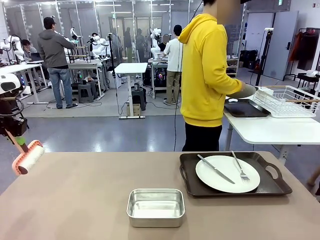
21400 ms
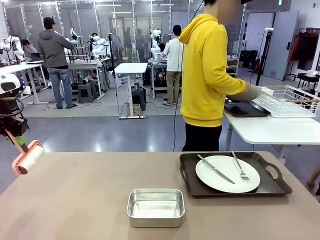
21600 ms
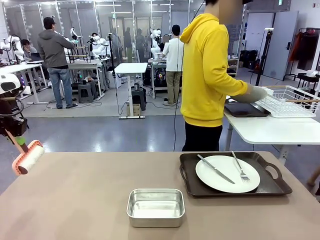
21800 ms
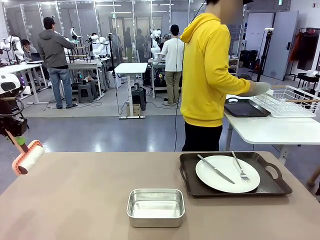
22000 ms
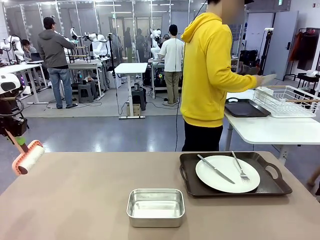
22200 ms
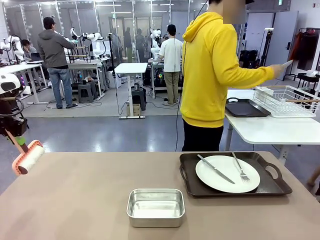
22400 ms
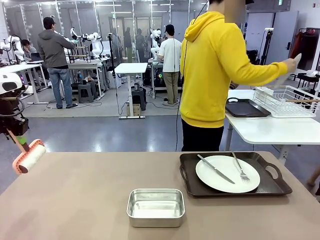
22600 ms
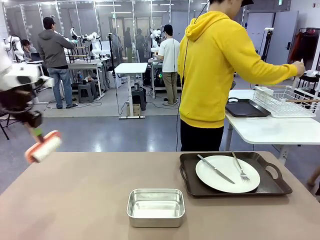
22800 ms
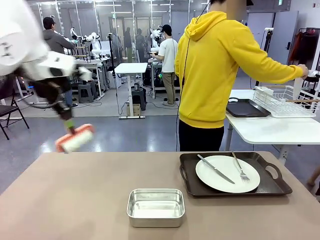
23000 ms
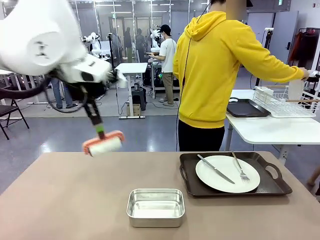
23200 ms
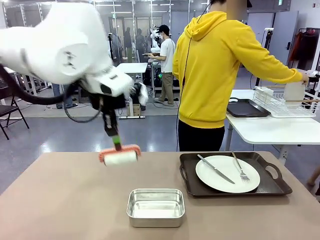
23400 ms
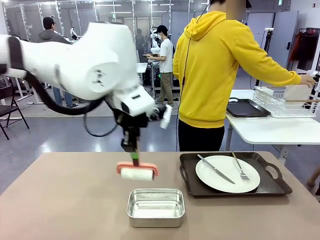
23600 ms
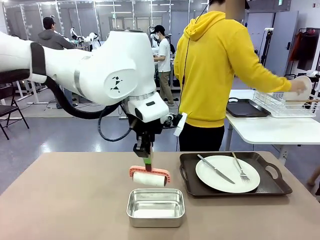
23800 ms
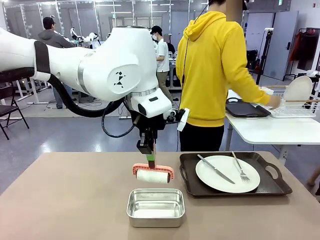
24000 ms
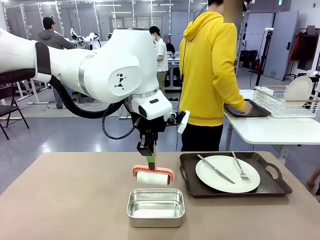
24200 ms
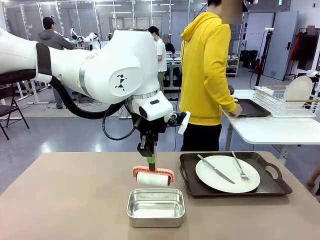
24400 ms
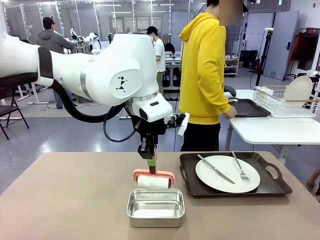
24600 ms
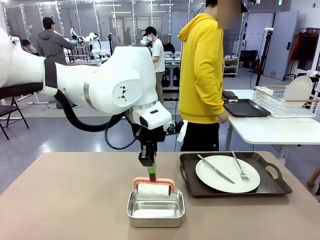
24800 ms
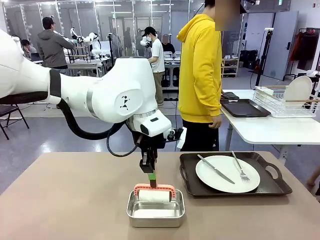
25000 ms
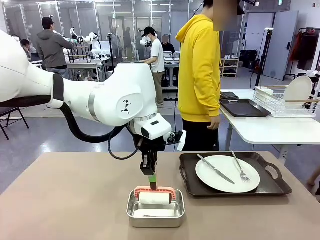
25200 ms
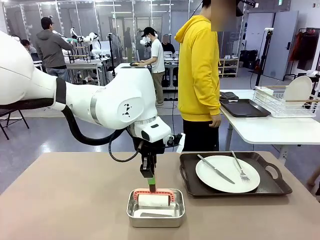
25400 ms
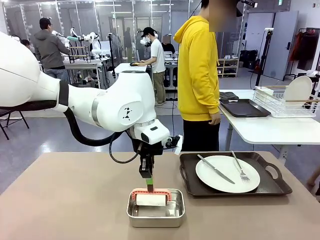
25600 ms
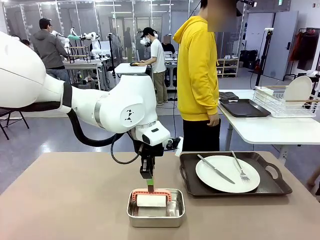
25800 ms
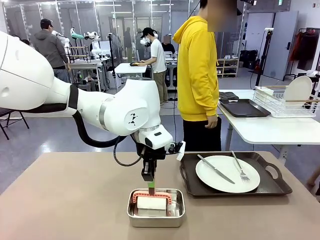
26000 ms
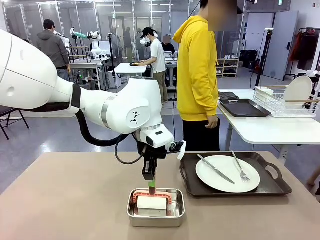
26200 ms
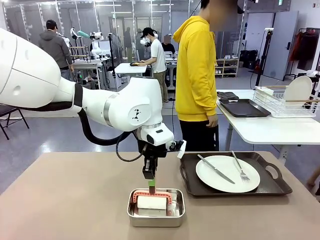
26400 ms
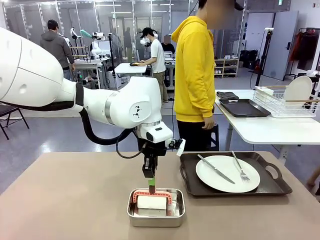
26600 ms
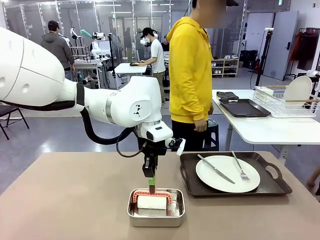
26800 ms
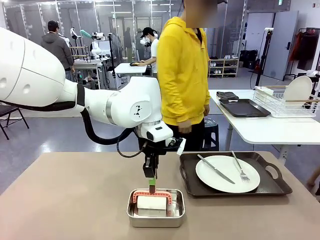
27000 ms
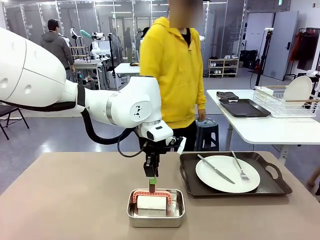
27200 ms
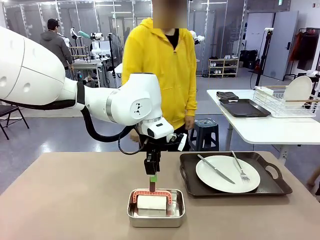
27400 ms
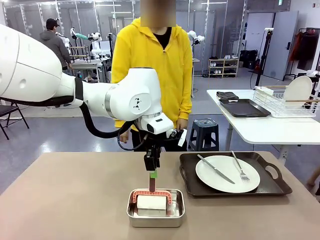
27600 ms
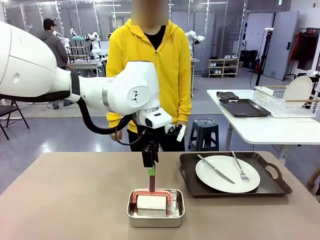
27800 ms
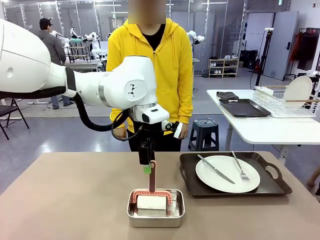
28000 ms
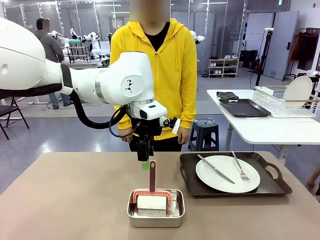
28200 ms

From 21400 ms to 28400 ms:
Robot: Place the Lint Roller back on top of the Airtight Container.

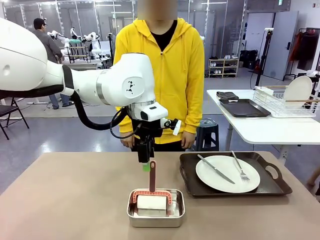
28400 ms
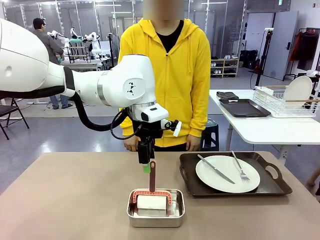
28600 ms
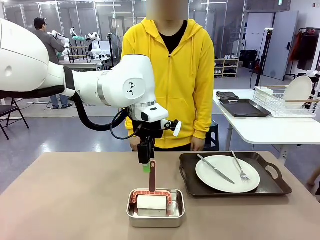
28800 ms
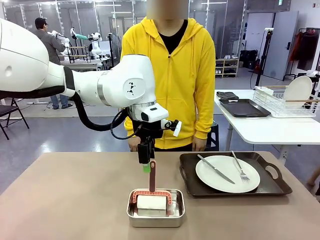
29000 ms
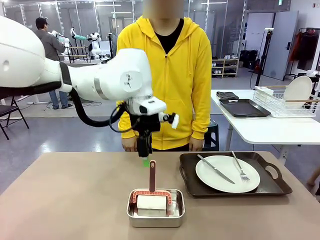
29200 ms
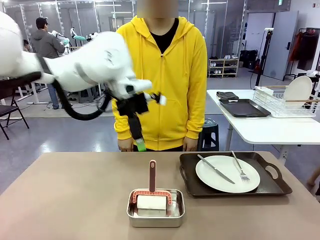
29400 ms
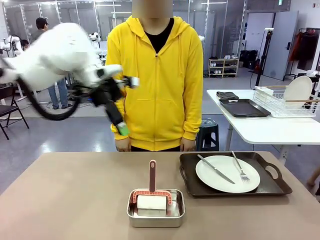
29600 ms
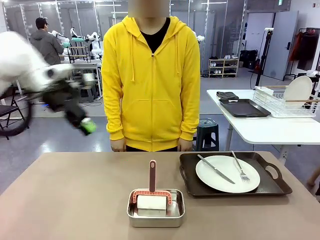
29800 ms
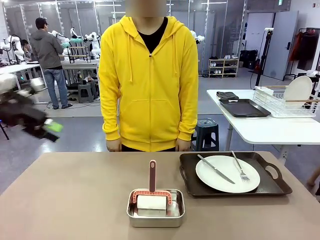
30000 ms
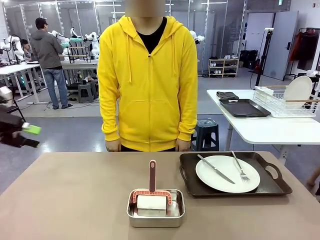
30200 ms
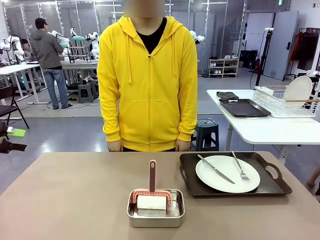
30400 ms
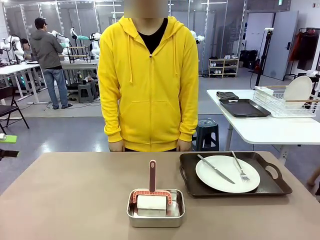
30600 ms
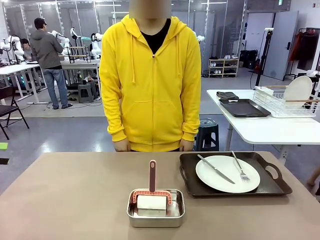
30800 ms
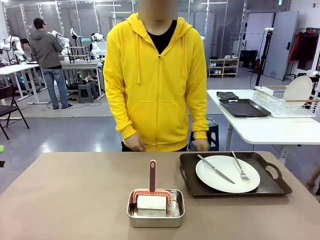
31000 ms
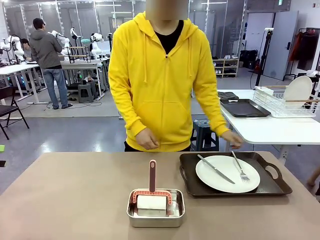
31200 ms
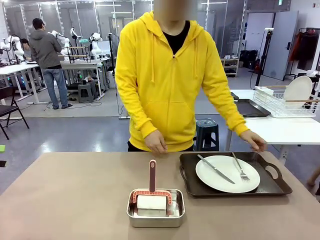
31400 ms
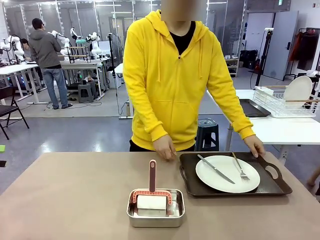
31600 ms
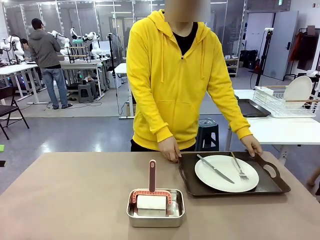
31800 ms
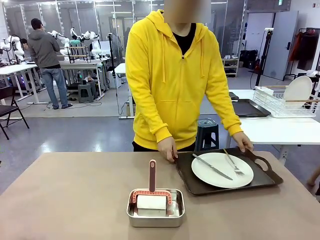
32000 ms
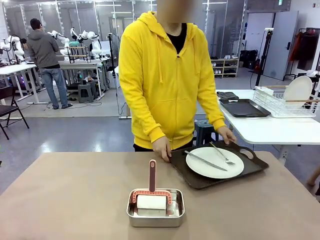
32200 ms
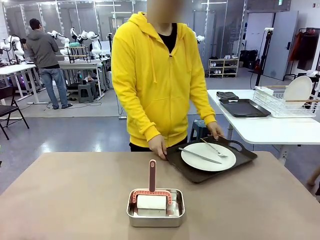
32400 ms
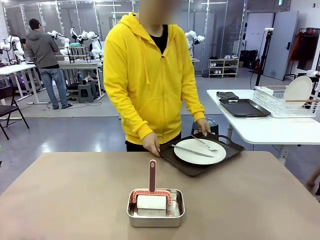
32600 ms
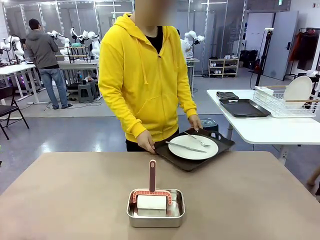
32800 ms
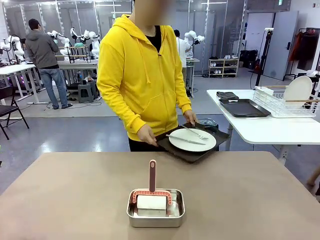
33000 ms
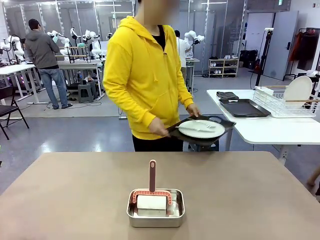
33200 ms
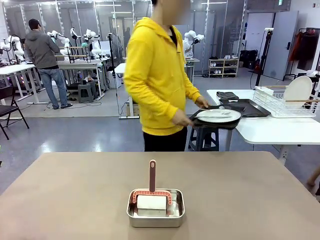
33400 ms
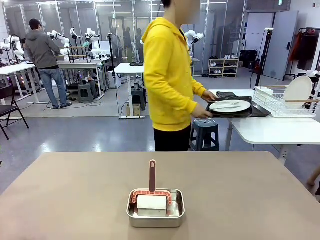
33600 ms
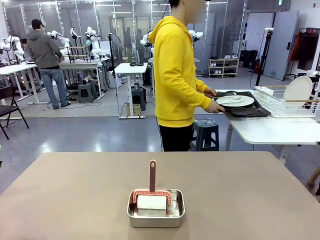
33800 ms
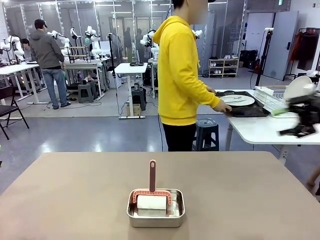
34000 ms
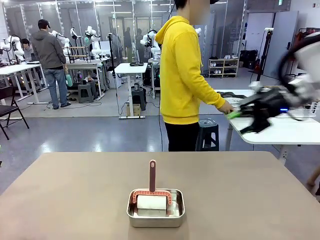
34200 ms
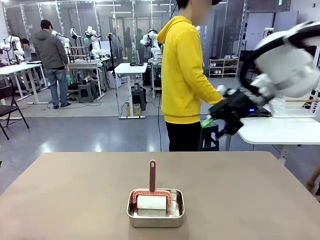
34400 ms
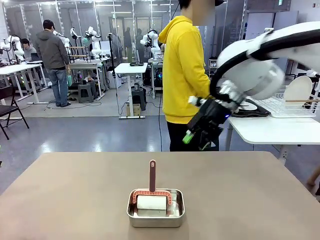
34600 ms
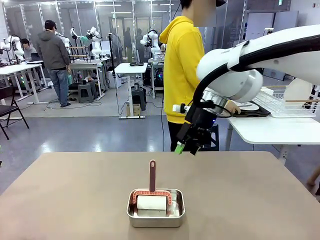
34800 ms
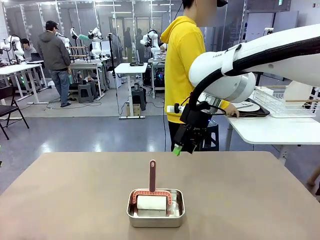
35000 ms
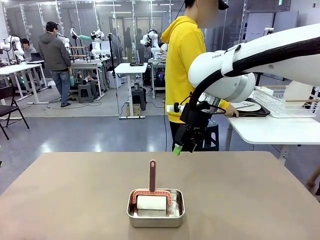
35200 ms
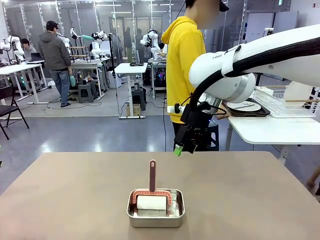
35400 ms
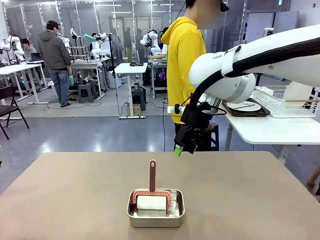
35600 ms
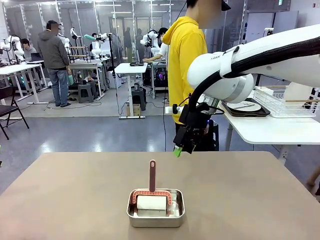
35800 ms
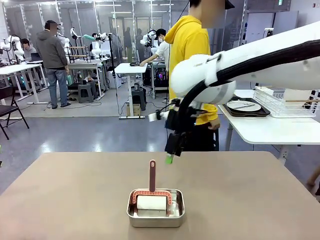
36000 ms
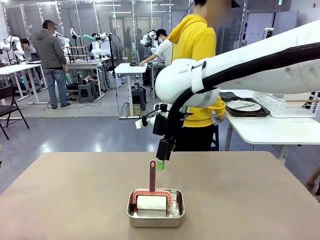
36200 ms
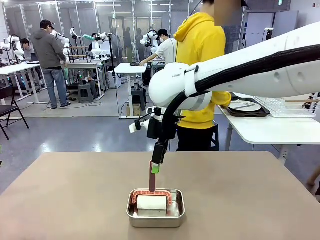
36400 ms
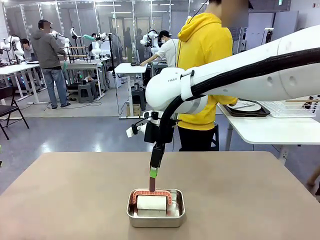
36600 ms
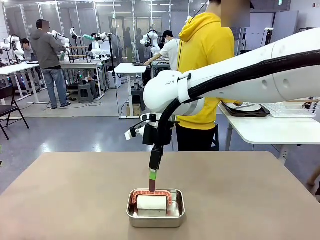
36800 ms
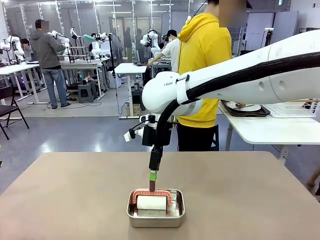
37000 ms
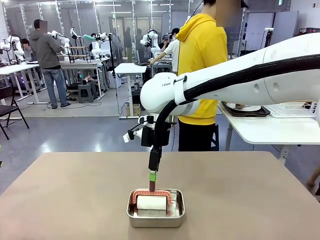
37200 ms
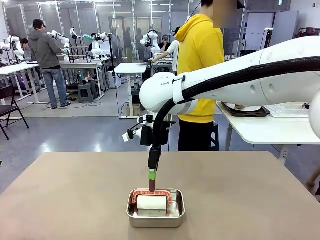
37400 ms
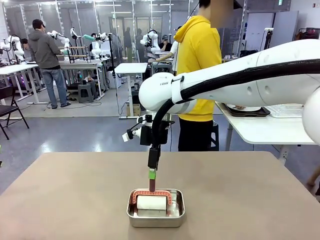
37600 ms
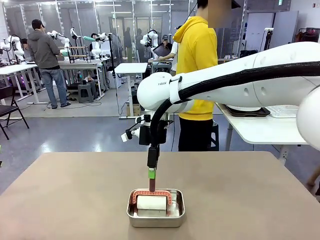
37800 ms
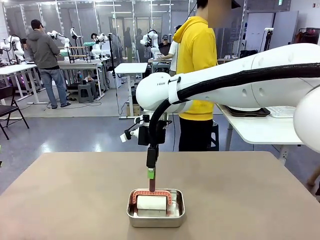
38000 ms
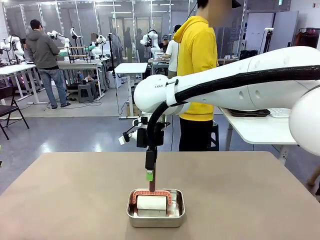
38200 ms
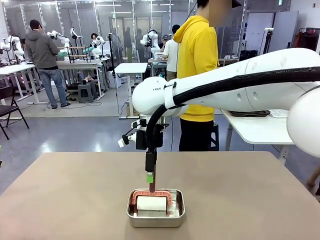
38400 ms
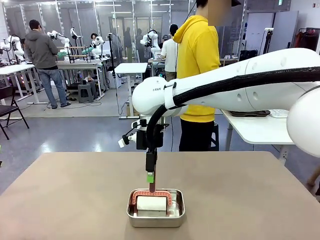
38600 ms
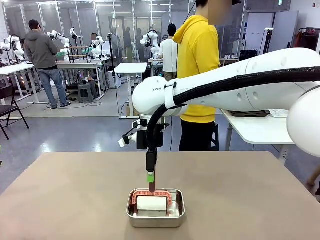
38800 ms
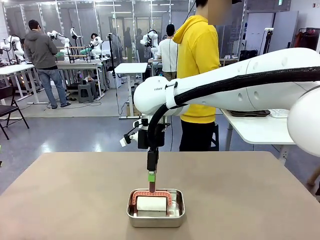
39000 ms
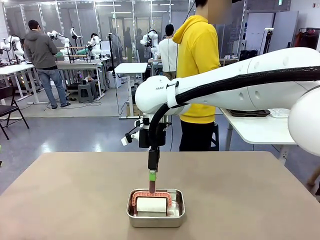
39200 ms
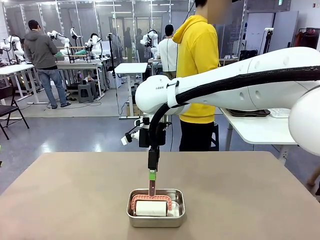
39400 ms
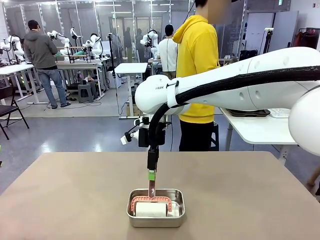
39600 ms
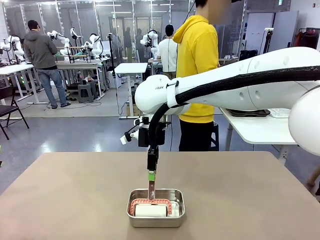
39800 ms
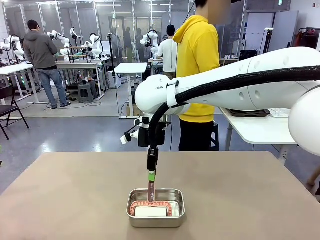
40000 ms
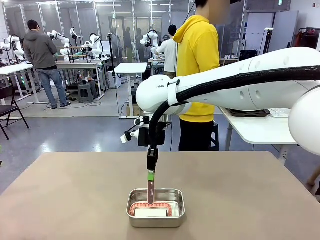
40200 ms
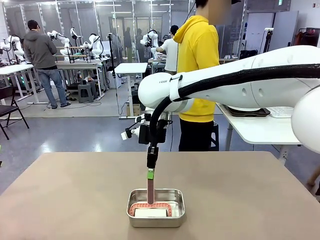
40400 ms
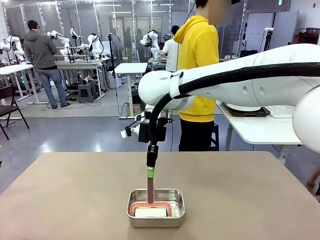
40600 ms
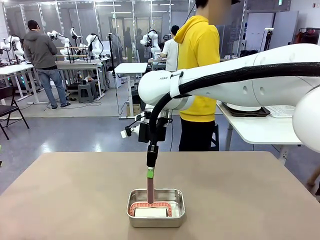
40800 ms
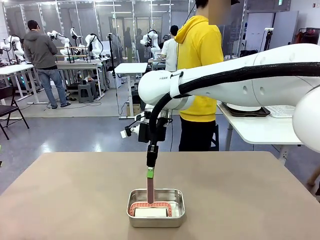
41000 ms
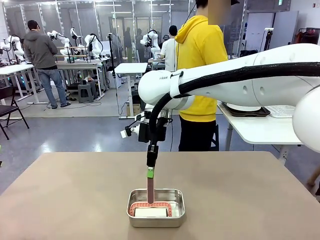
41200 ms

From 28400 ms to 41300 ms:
Robot: When the right (or left) Handle tray is removed, use the right hand (or left hand) to clean the right (or left) side of the table with the Lint Roller.
Person: Pick up the left (or right) Handle tray and place it on the Handle tray.
